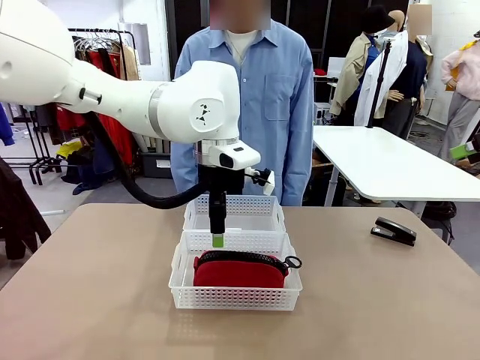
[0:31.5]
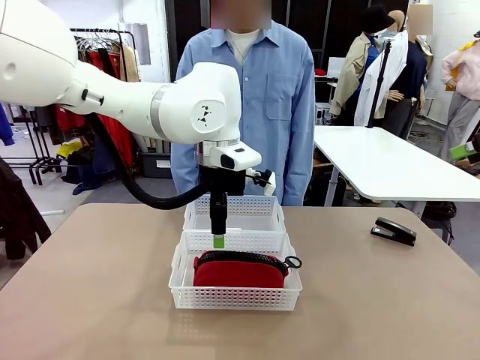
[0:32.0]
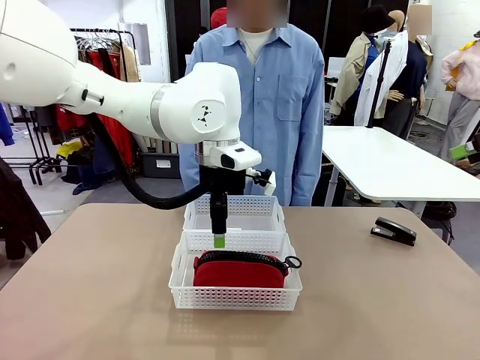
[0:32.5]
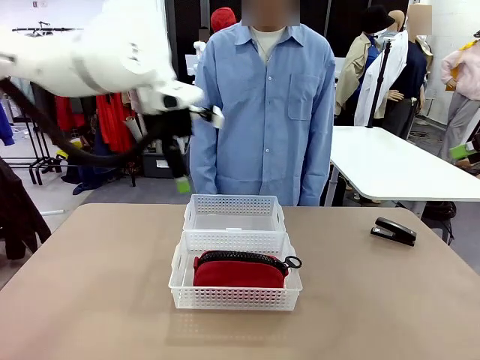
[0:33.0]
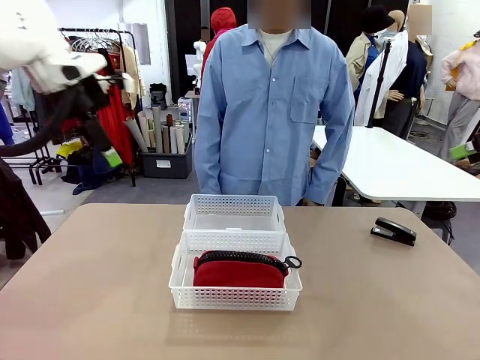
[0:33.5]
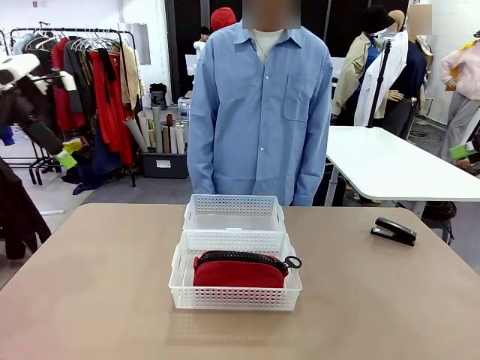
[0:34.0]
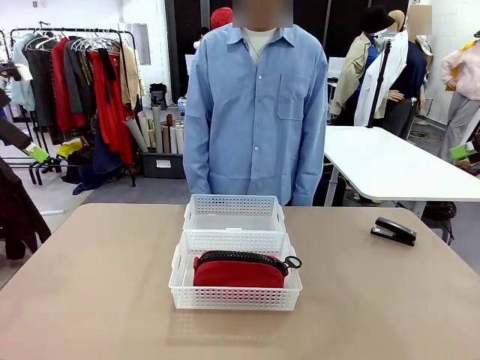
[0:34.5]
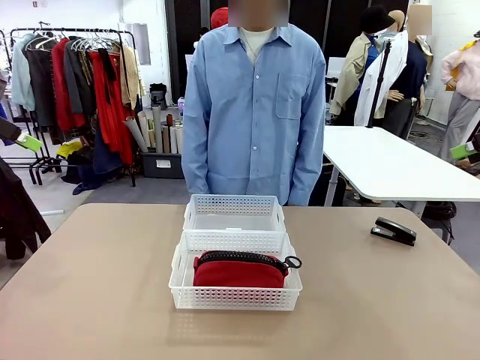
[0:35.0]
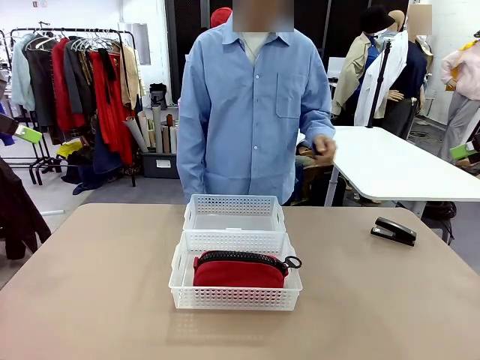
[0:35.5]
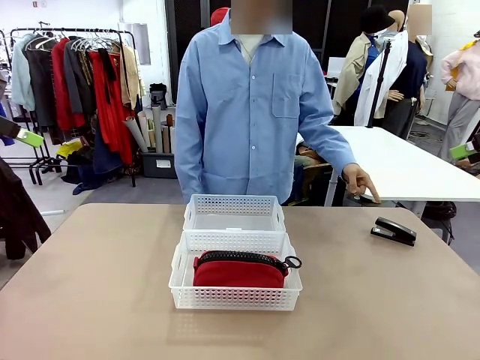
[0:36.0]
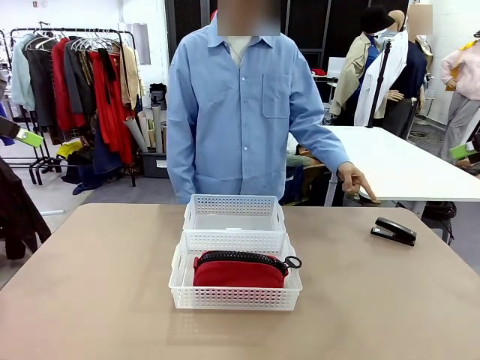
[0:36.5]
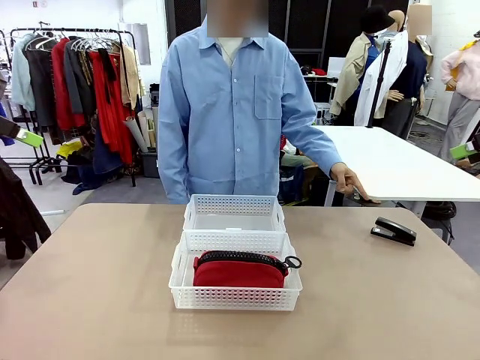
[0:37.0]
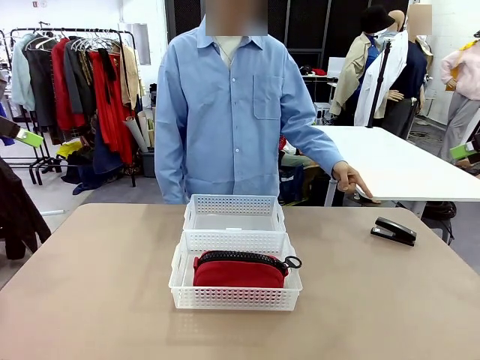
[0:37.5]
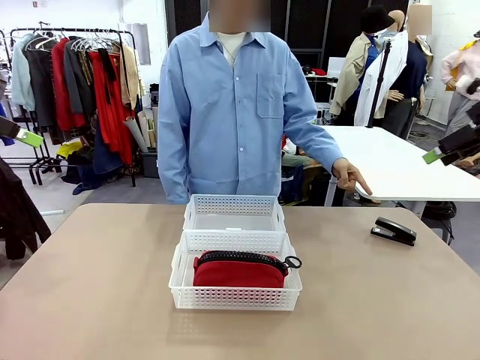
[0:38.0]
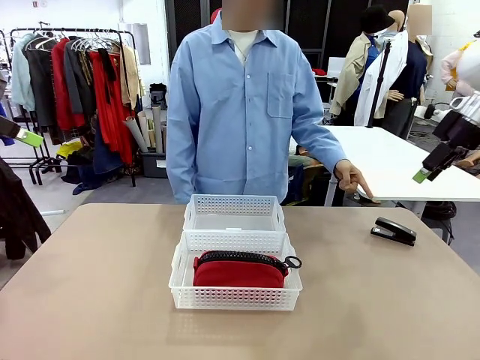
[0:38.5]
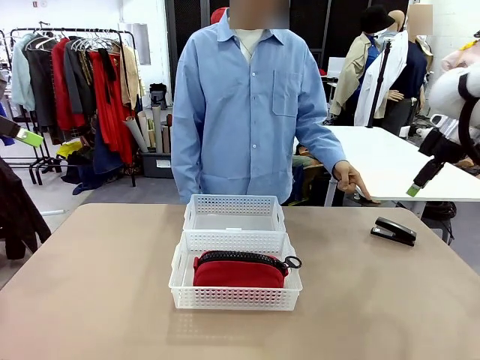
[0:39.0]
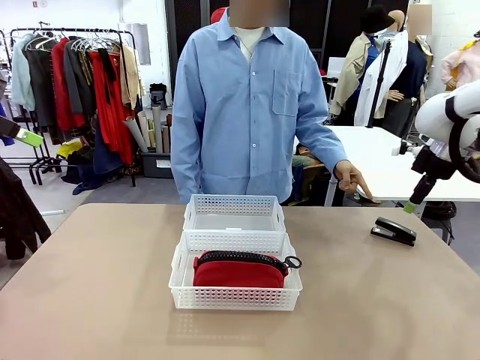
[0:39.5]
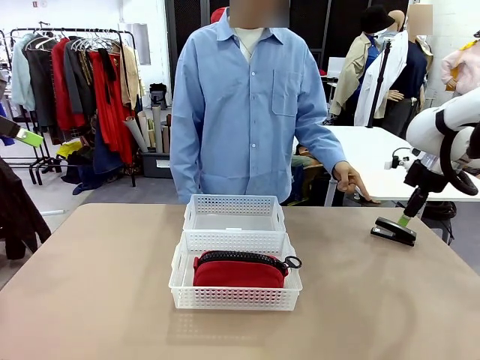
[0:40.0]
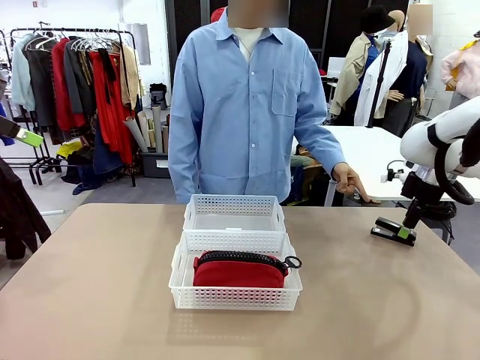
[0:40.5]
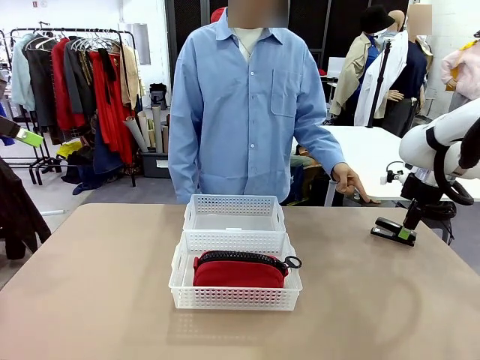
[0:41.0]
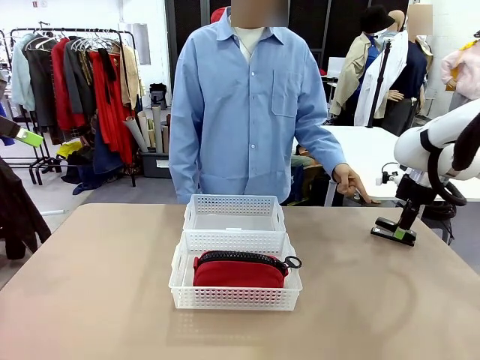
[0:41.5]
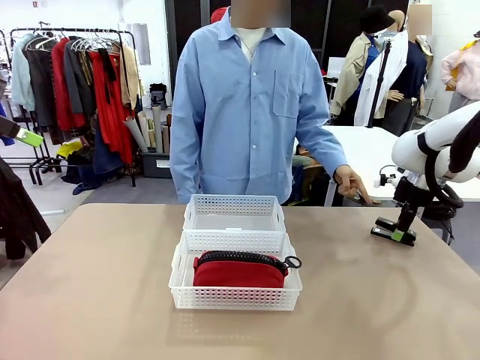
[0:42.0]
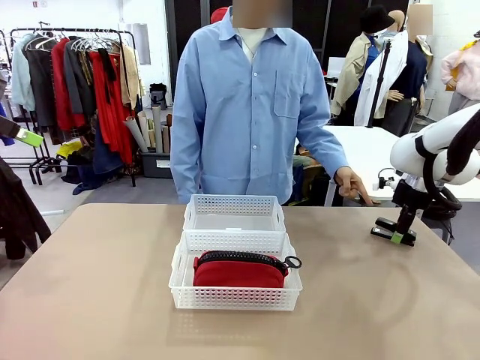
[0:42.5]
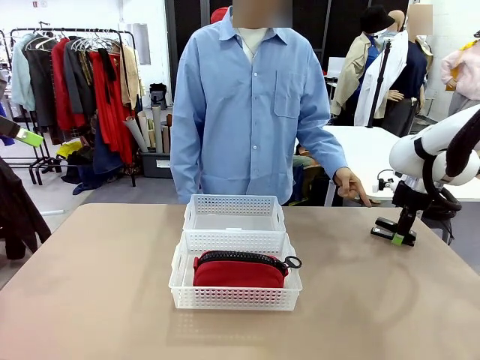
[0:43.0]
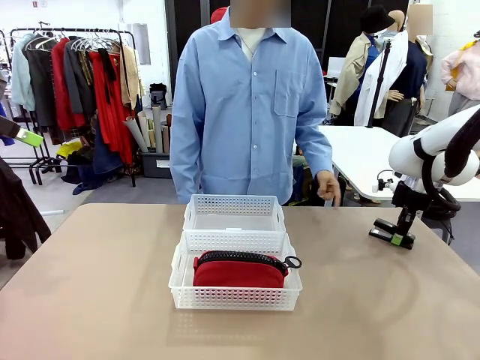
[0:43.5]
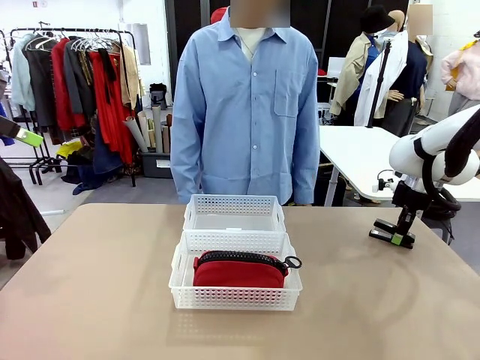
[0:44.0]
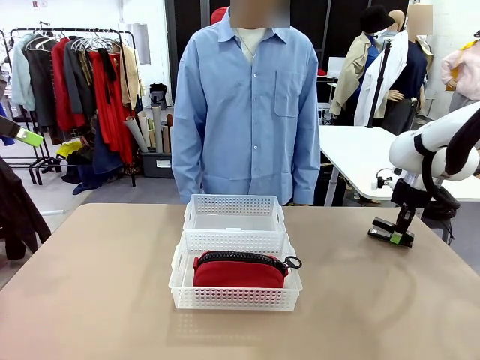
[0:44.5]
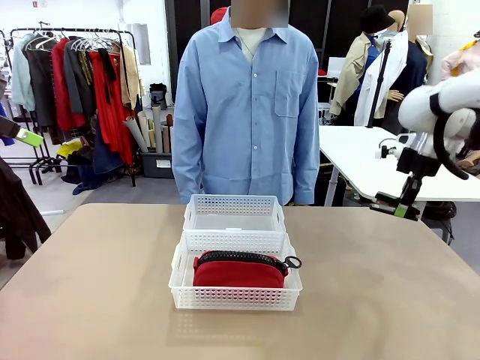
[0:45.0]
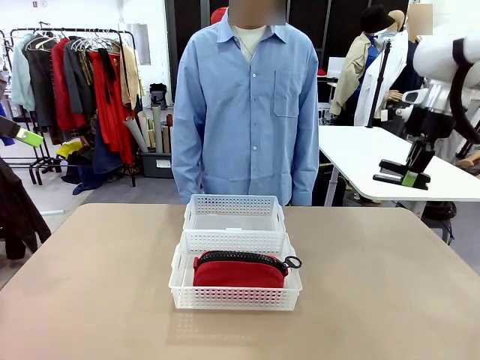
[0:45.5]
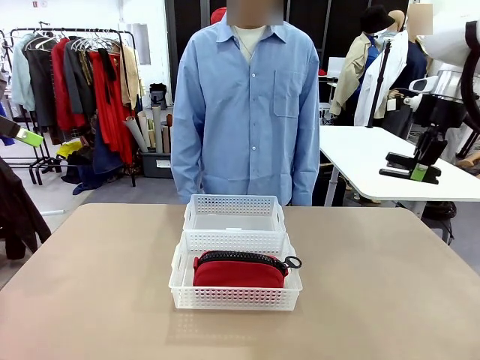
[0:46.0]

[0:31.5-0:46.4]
Task: Distribute items into two baskets.
Robot: Pick up the Stapler that the person points to.

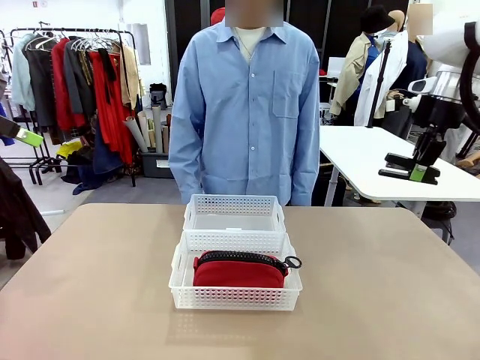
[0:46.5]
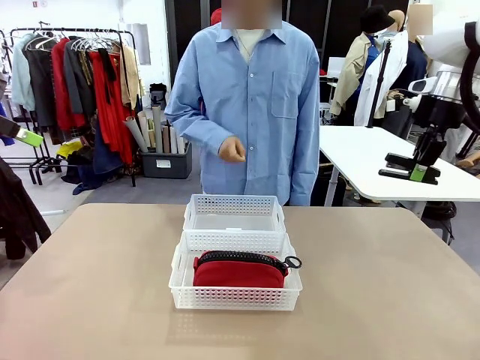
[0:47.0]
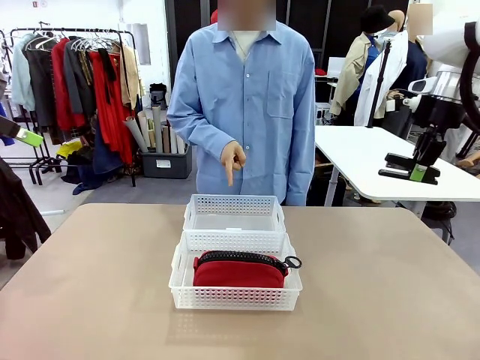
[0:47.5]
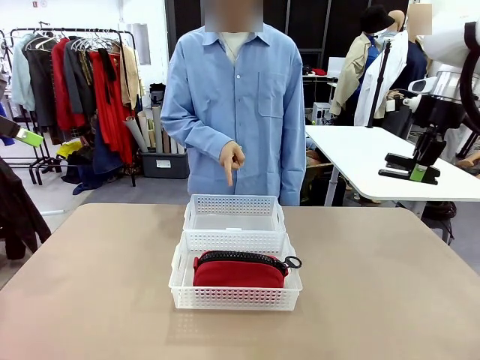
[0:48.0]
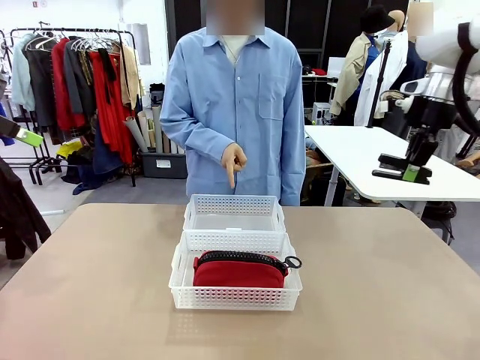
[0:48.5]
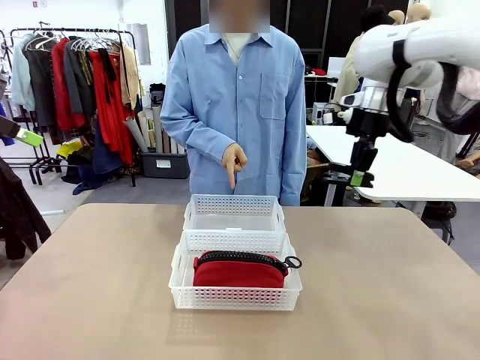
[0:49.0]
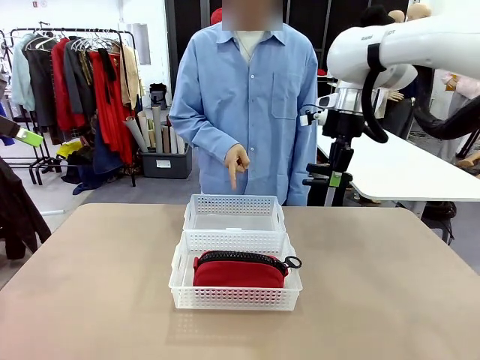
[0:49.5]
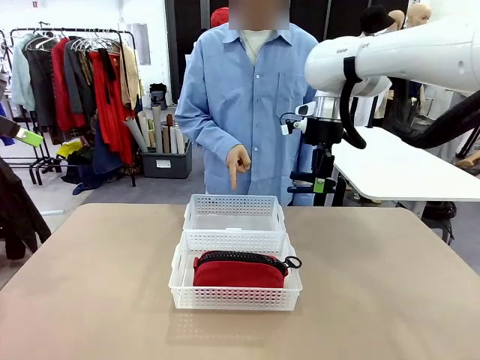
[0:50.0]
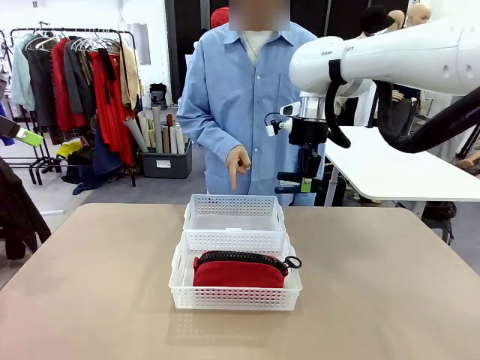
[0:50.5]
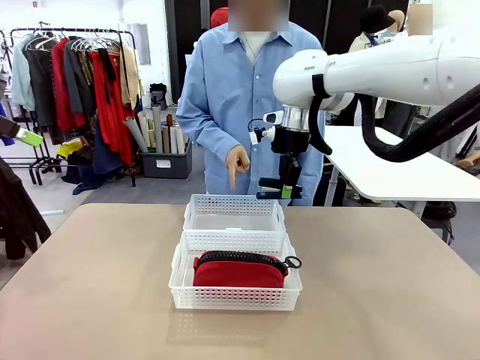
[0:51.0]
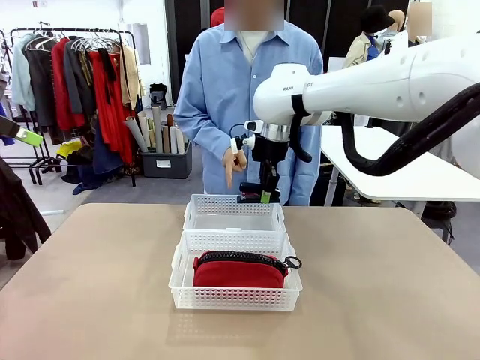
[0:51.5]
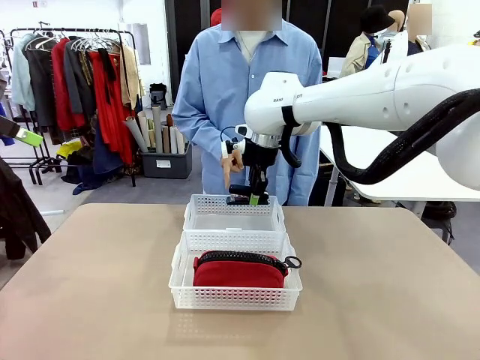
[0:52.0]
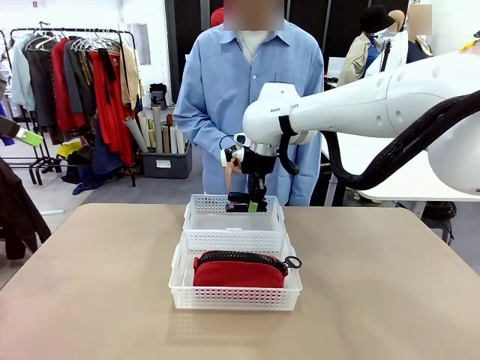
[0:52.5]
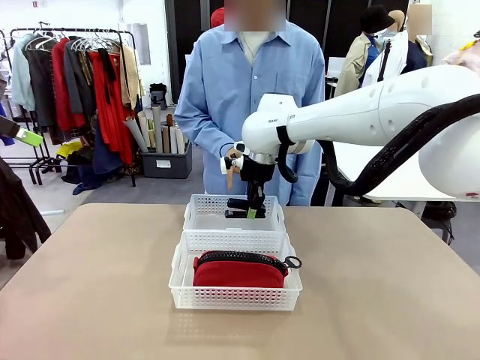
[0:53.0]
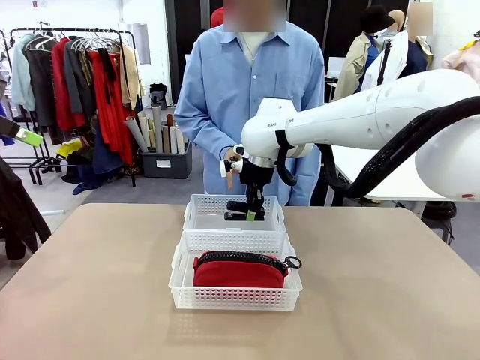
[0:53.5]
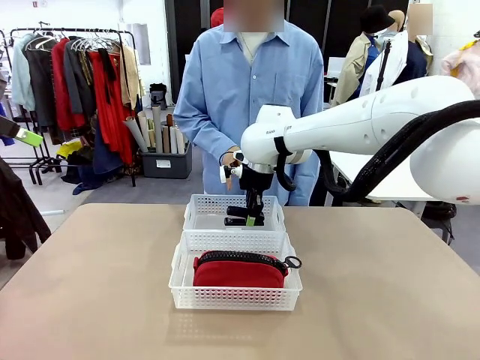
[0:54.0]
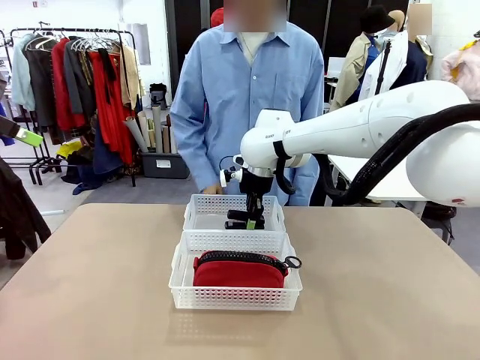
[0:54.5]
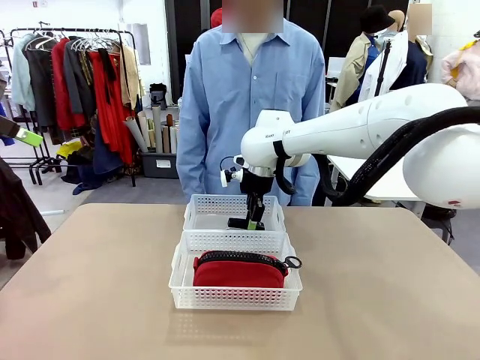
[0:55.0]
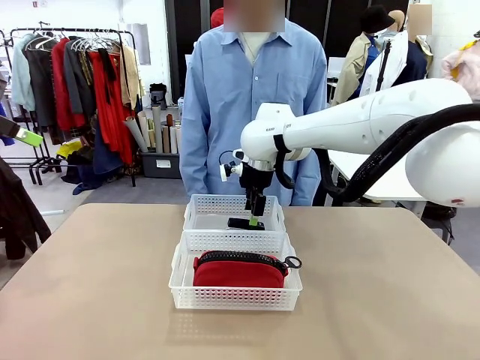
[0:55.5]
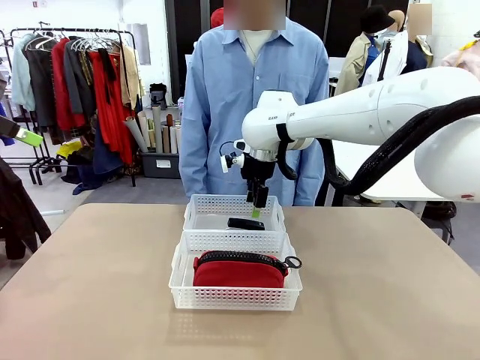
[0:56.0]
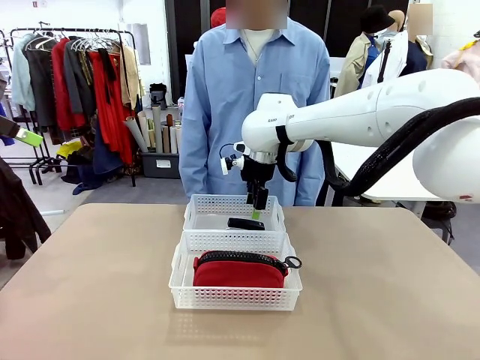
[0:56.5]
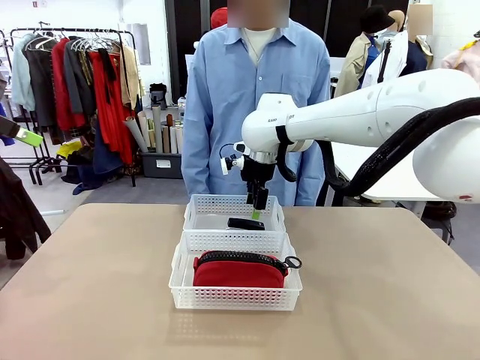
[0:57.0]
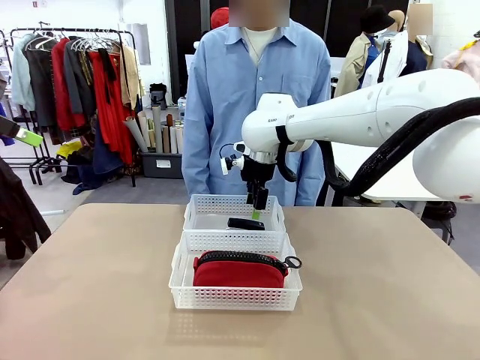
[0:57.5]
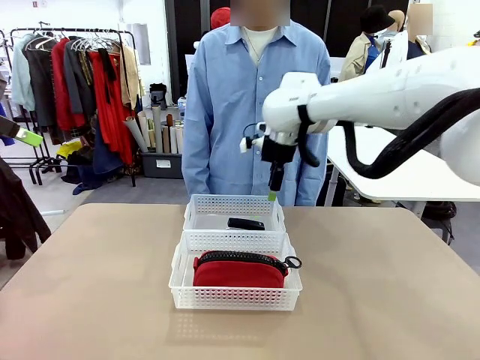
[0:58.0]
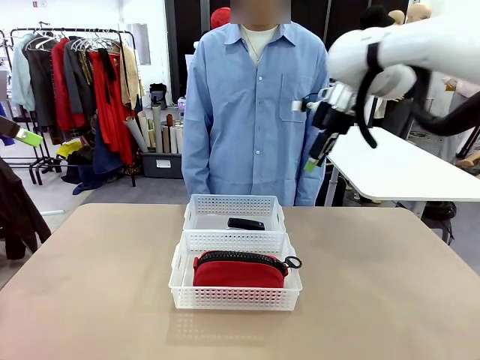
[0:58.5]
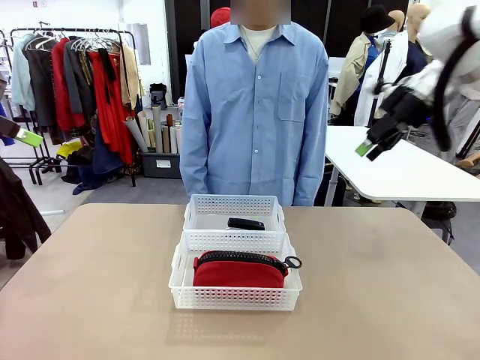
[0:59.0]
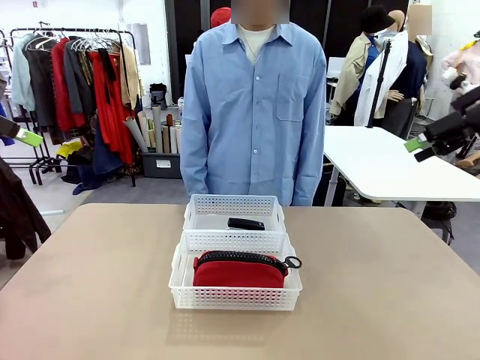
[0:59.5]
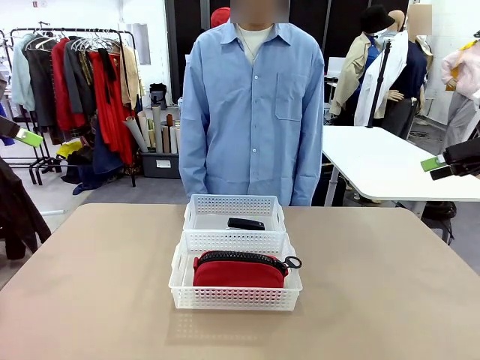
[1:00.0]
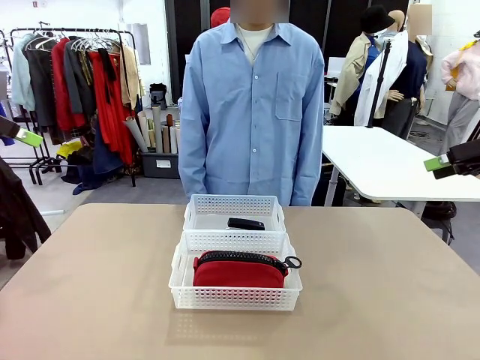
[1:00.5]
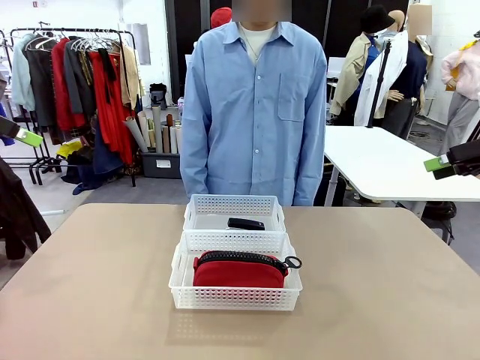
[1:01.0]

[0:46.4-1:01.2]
Robot: Place the picked Stapler into the Organizing basket as instructed by the person.
Person: Points to the basket that does not contain the pencil case and instructs the robot to move the stapler there.
